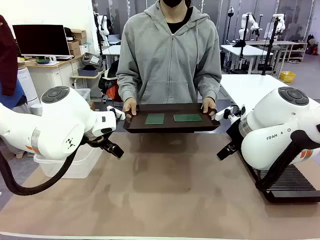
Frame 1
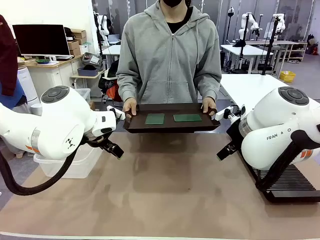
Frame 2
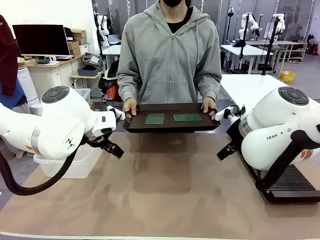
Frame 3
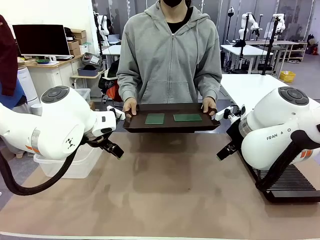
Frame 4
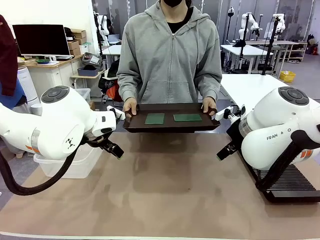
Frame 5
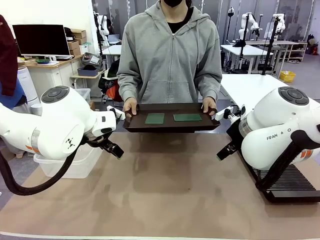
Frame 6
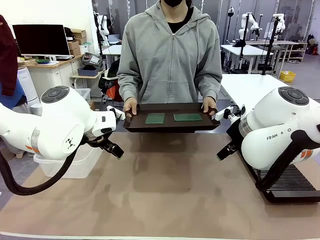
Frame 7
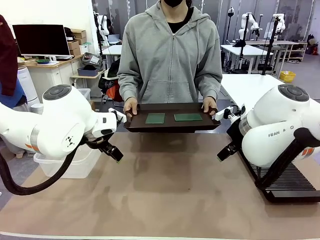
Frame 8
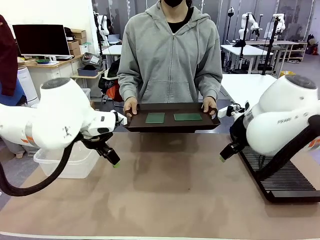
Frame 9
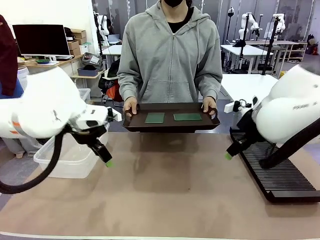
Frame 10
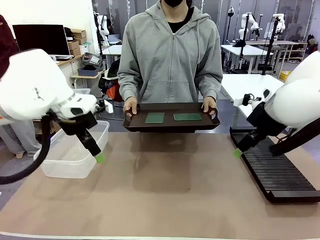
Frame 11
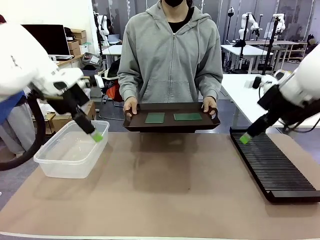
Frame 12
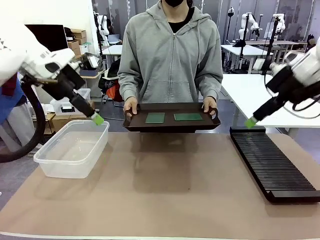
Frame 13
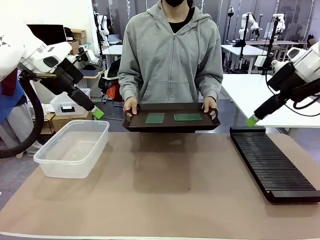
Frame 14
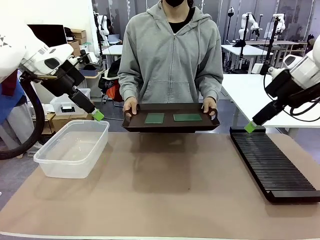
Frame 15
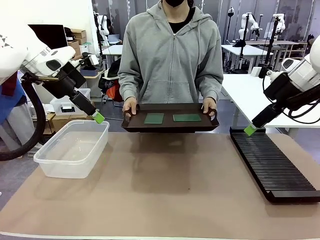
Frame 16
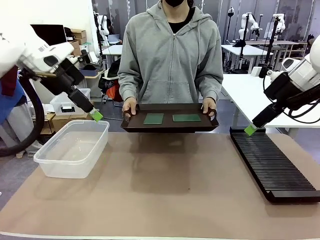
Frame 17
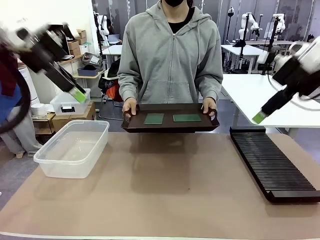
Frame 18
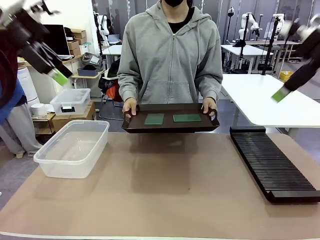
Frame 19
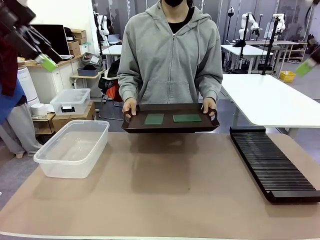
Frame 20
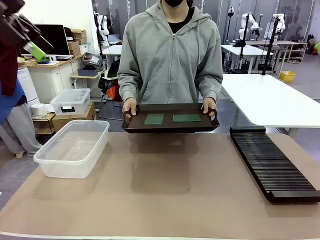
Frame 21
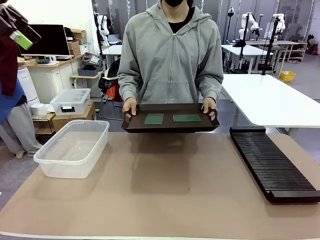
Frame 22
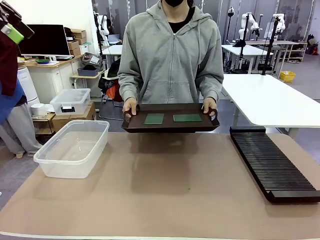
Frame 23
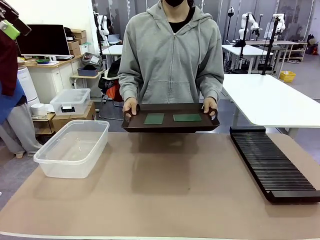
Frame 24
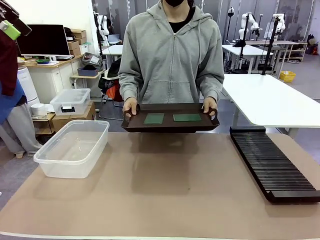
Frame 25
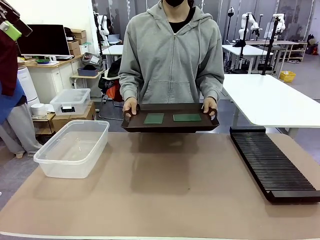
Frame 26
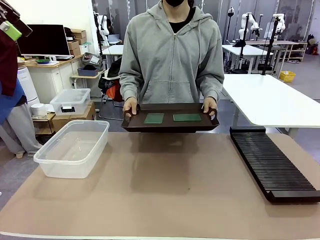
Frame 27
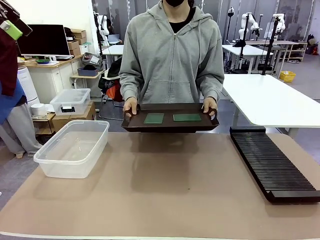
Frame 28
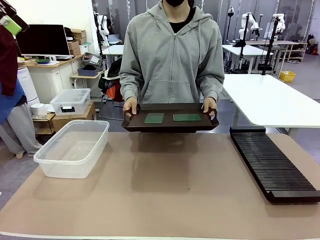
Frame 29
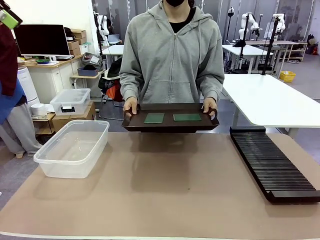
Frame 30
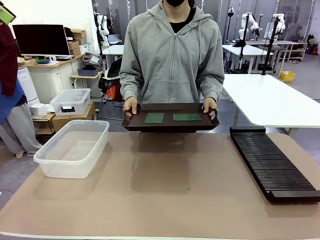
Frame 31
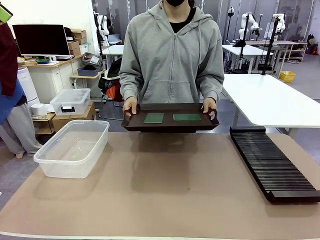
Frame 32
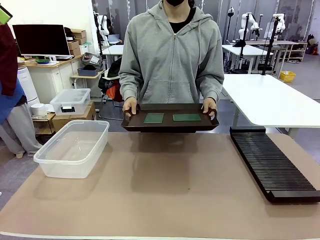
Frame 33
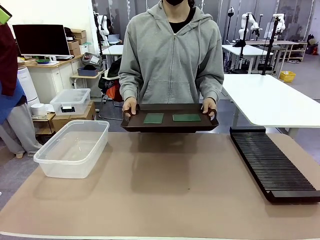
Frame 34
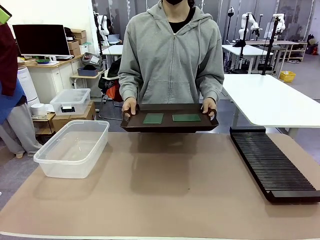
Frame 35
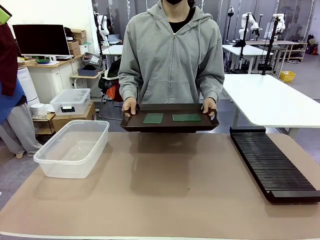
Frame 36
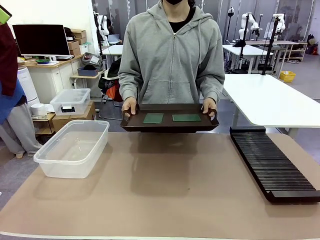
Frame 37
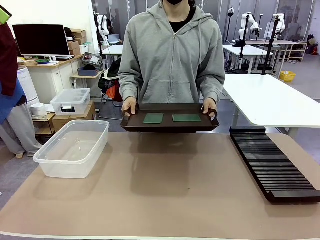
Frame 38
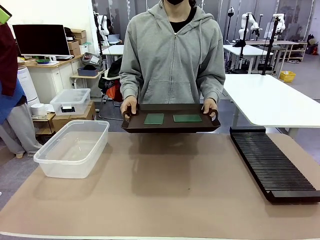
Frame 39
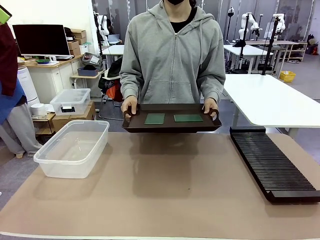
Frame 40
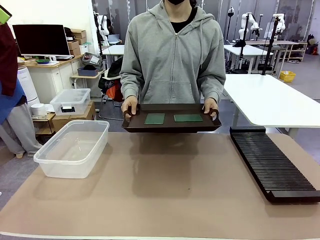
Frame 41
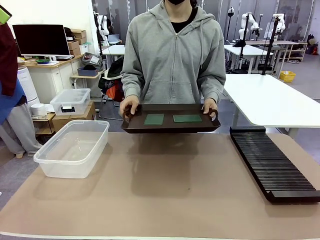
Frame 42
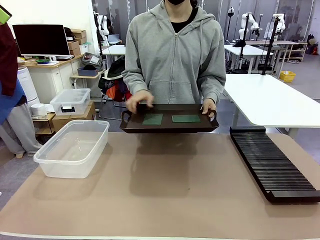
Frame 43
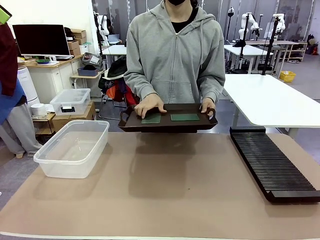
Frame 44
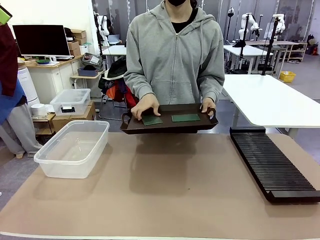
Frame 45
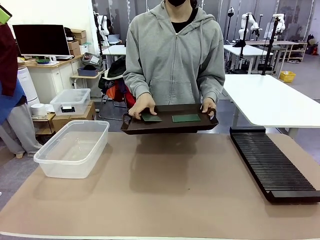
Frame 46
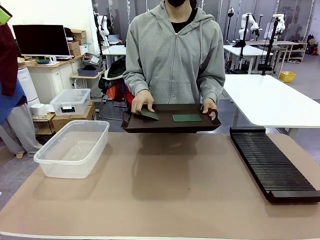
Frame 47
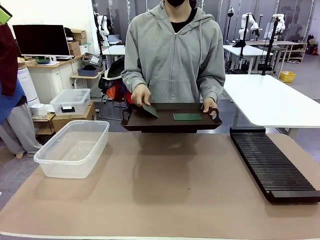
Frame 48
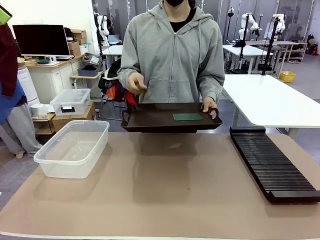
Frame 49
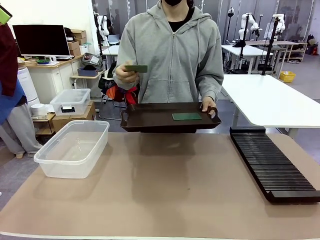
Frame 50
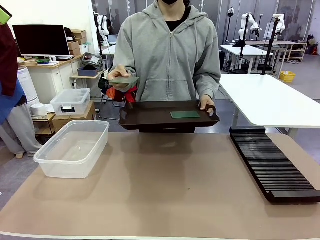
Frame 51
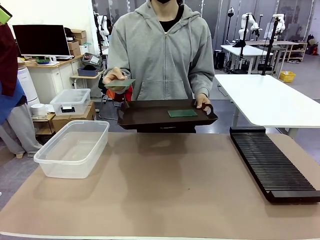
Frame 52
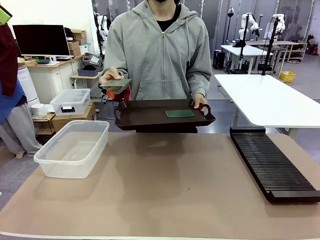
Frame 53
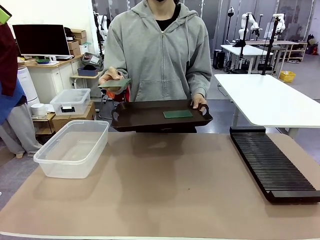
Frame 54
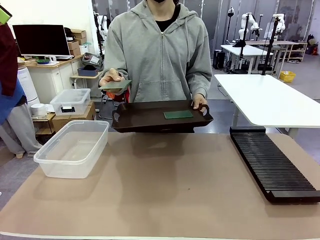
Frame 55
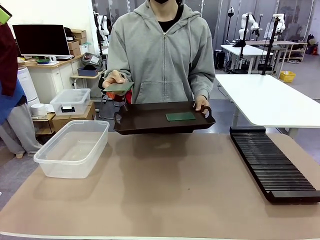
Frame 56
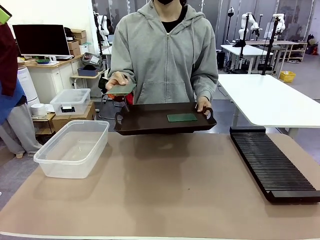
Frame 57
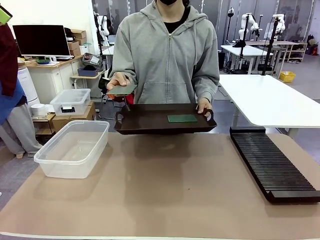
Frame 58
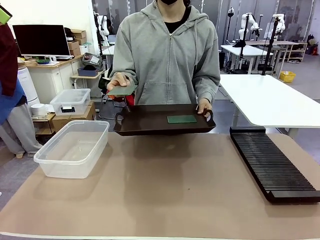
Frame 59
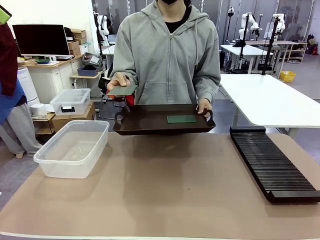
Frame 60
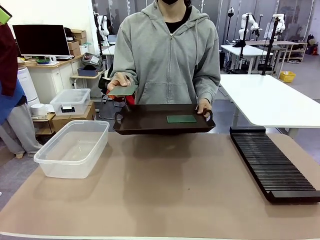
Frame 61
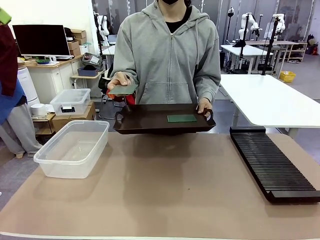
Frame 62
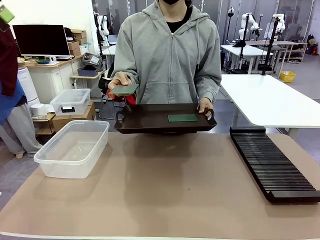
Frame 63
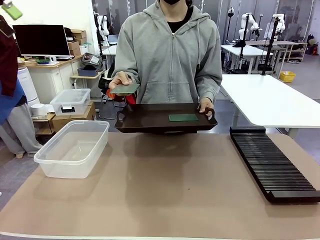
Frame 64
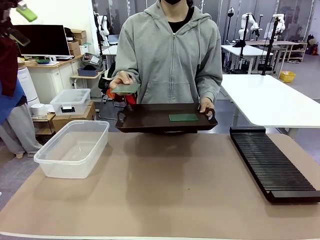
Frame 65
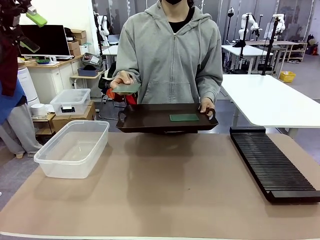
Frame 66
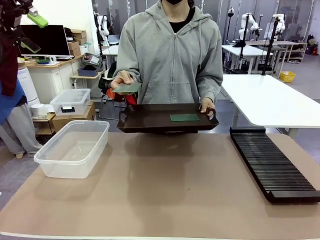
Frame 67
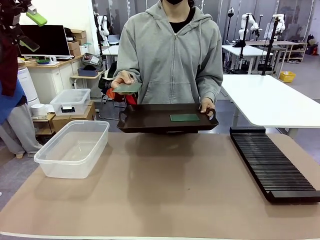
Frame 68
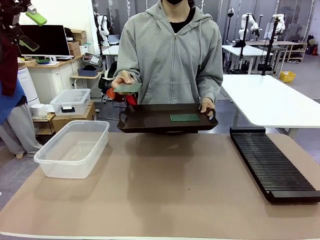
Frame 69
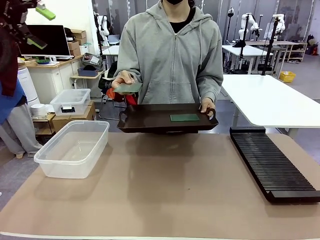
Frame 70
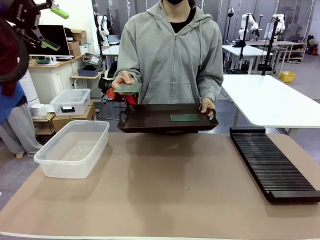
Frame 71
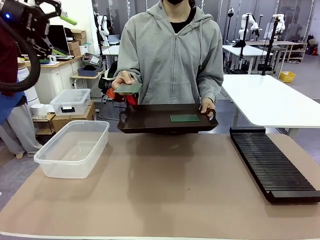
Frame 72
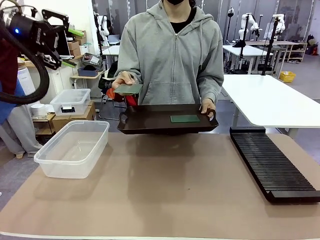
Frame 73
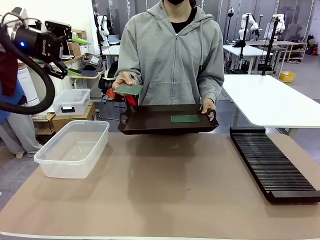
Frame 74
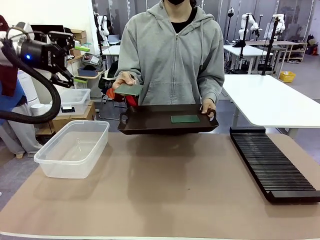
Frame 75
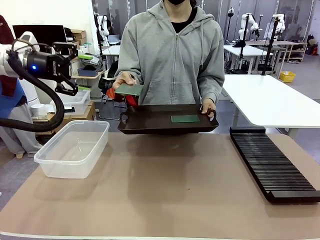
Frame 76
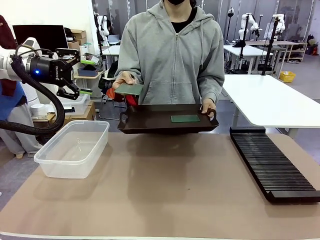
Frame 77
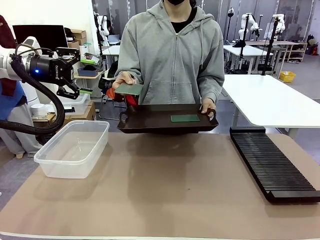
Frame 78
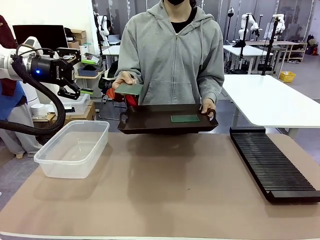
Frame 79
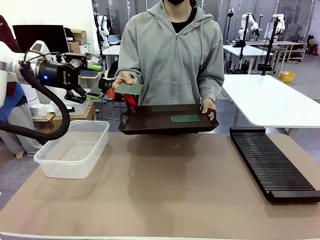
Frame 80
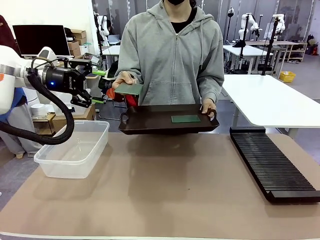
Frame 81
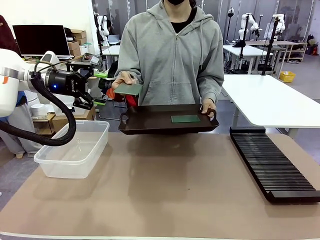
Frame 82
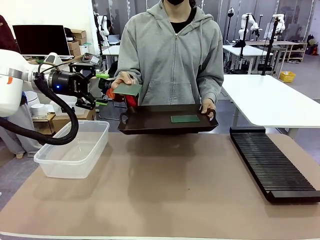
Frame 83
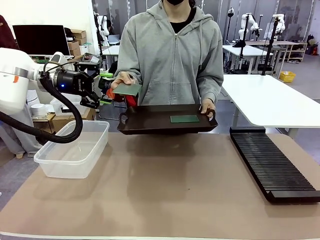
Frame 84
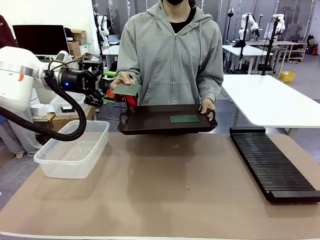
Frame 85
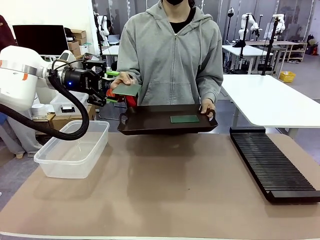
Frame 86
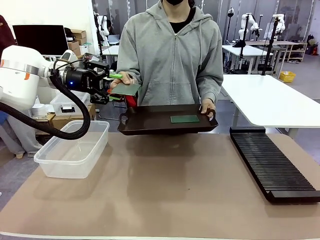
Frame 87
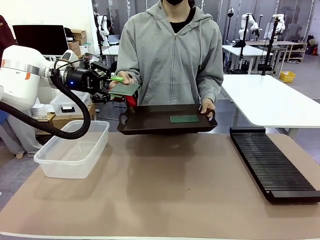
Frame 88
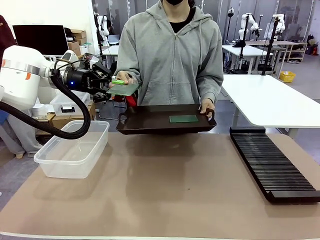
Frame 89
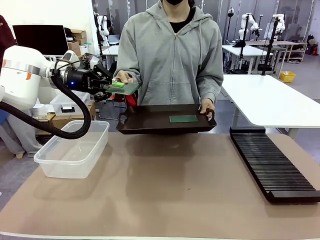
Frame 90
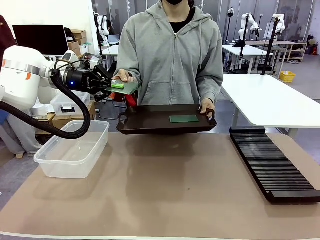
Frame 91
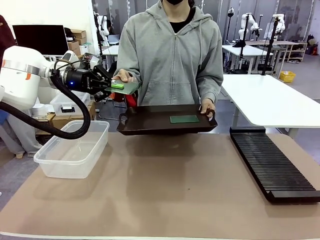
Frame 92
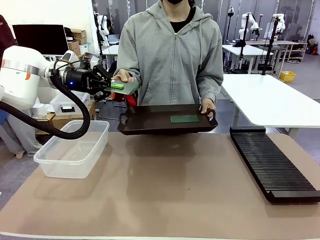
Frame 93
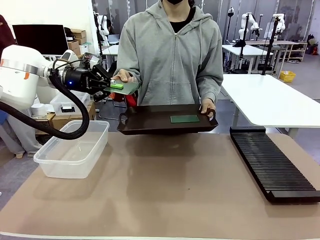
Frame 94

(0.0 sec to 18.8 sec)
Task: Sort PCBs into racks and boxes based on the side picked up.
Robot: Pick up the Blank PCB handed by the Human.
Person: Pick one PCB from the tray and present it to the robot. Release the PCB being held.
